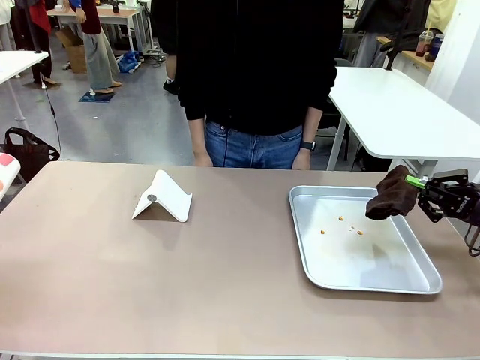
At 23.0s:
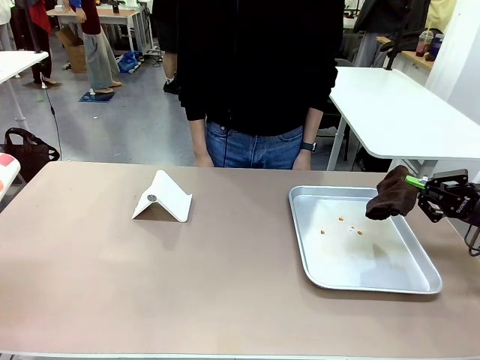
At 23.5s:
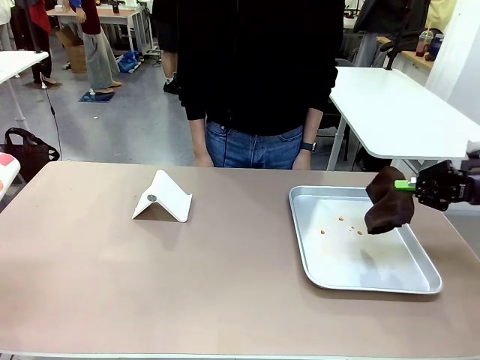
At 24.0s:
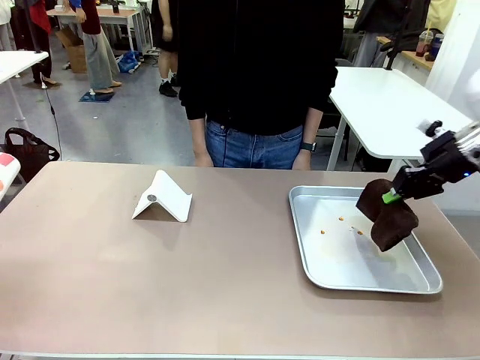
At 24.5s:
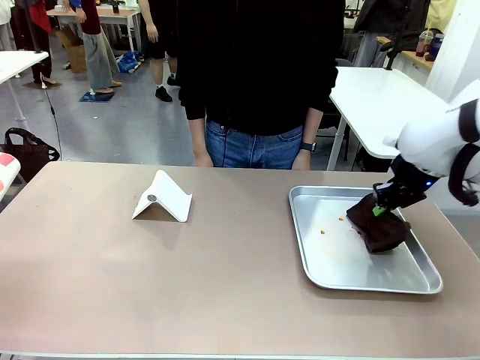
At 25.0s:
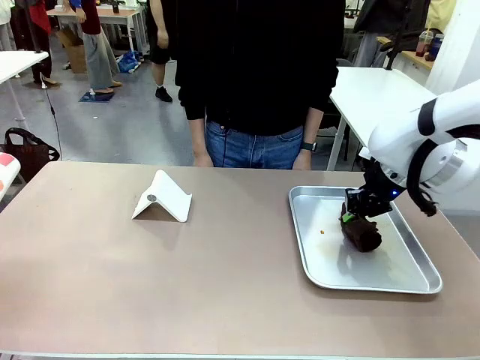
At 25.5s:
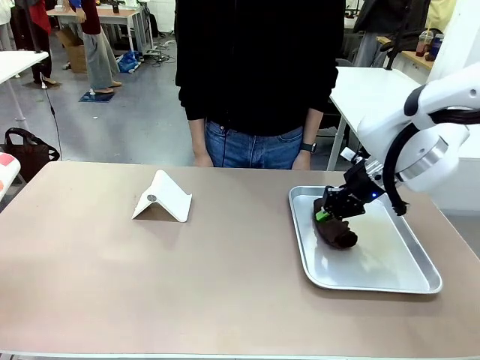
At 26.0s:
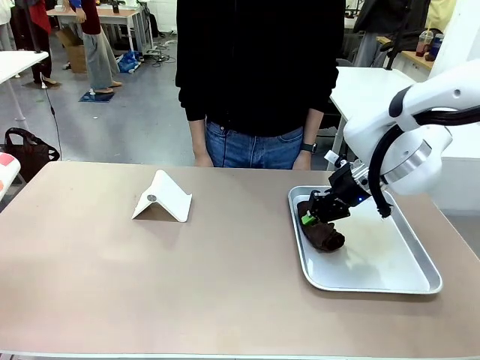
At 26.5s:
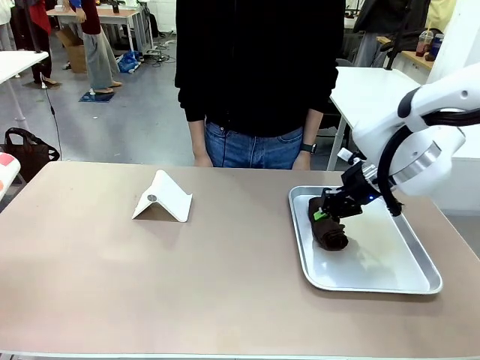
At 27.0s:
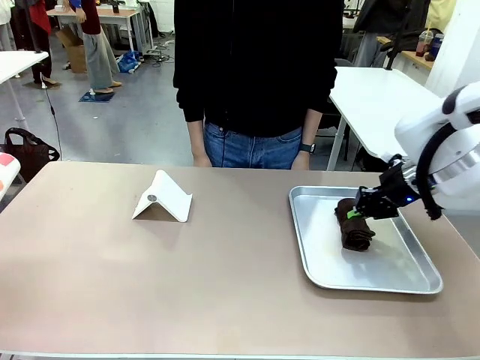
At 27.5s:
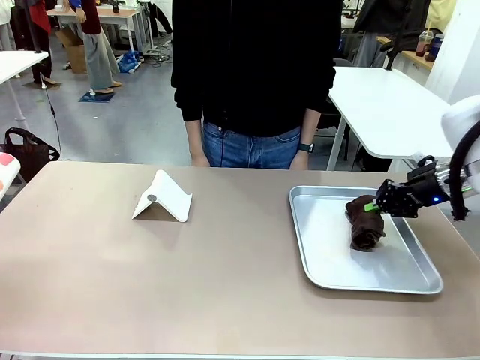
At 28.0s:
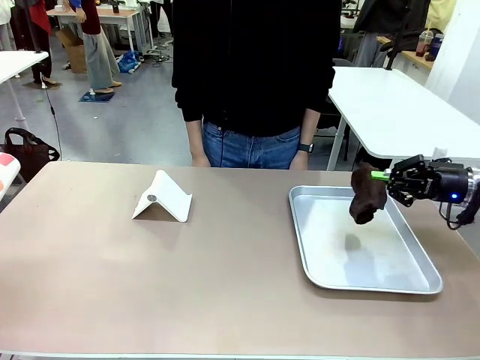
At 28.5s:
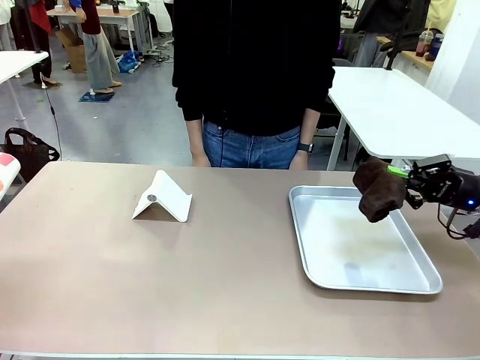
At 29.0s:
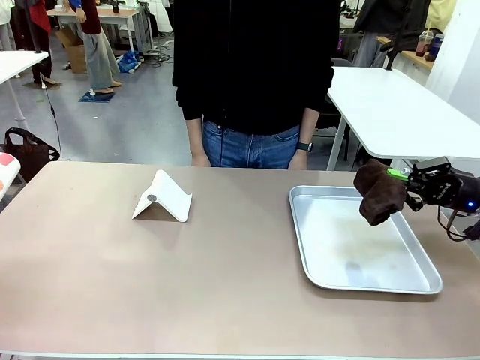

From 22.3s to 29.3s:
Task: Clean the surface of the table.
Robot: Clean the area not pointed to by the person.

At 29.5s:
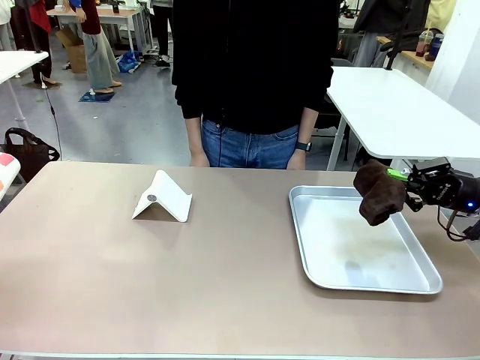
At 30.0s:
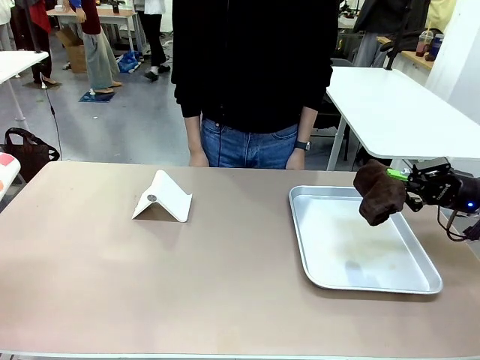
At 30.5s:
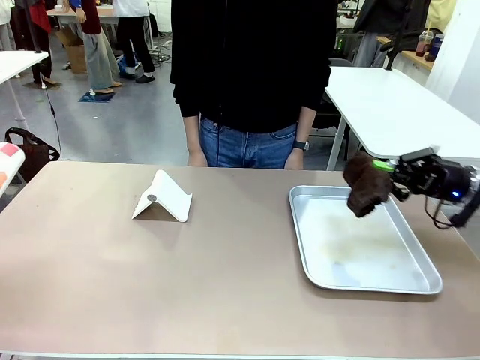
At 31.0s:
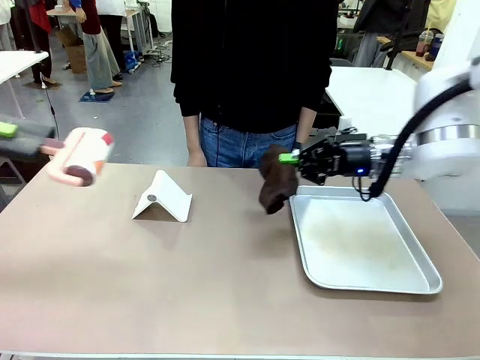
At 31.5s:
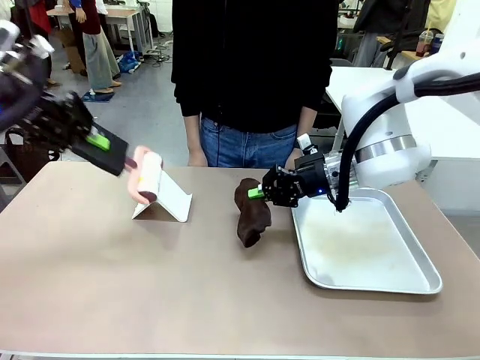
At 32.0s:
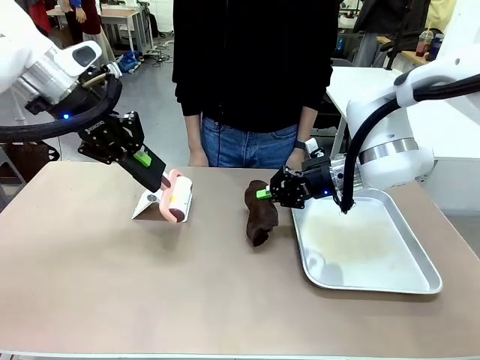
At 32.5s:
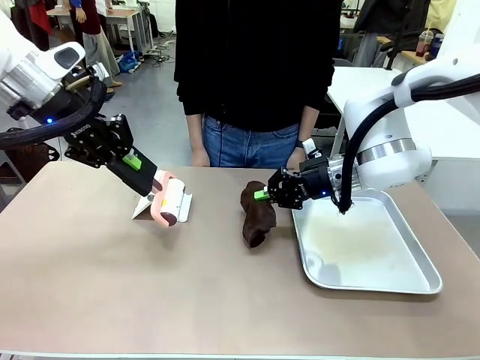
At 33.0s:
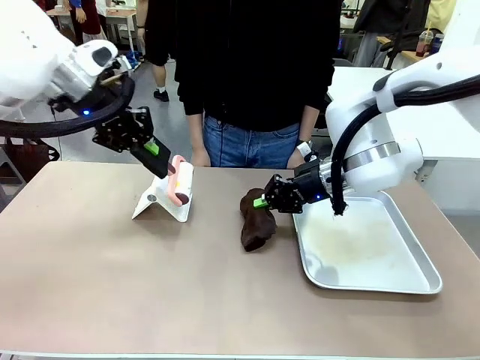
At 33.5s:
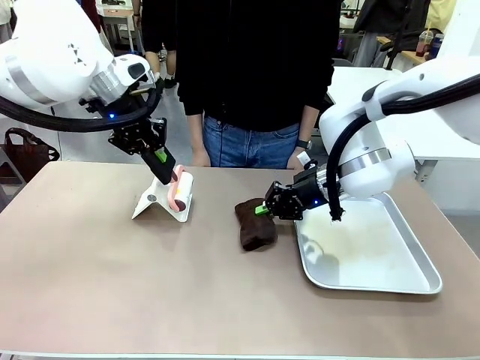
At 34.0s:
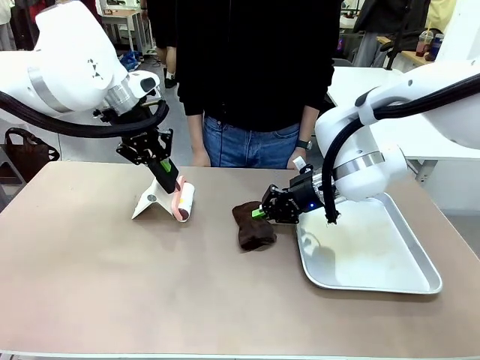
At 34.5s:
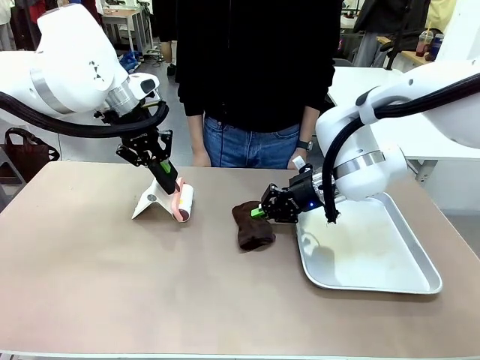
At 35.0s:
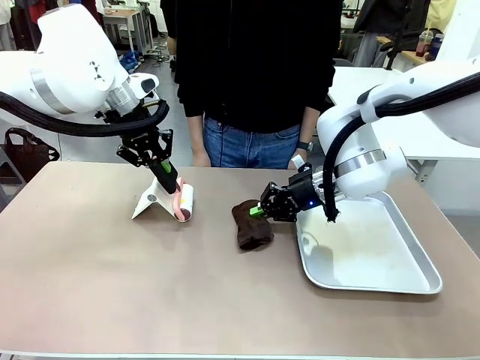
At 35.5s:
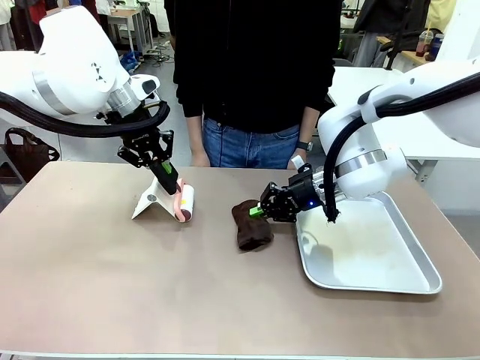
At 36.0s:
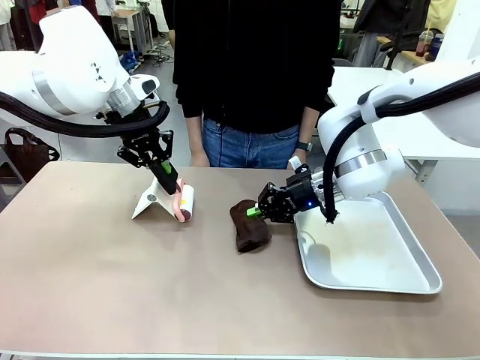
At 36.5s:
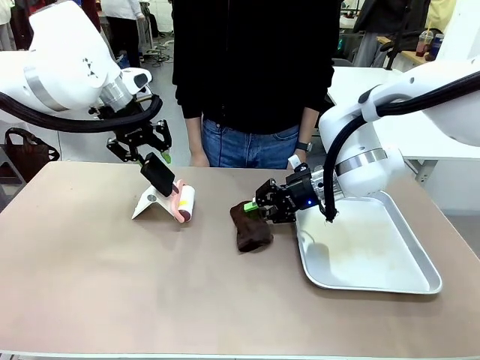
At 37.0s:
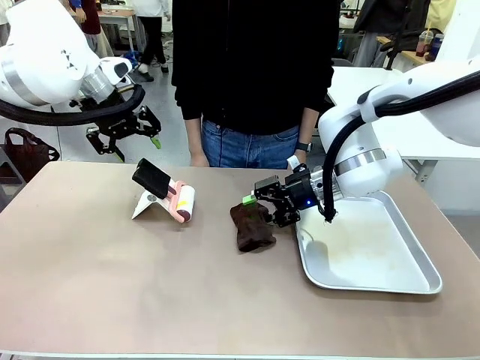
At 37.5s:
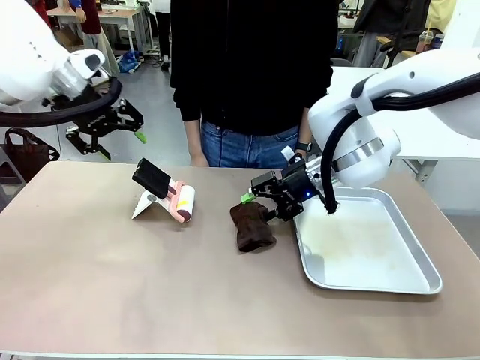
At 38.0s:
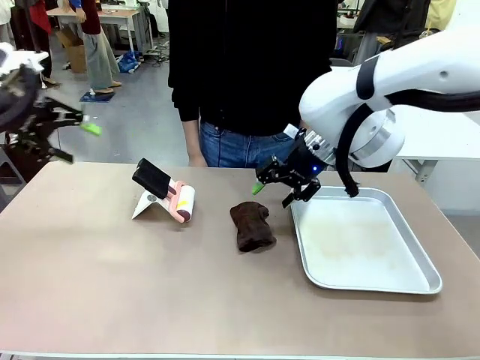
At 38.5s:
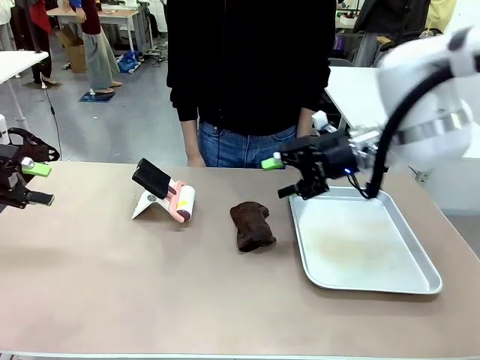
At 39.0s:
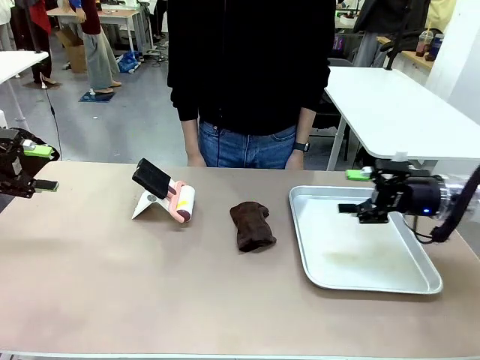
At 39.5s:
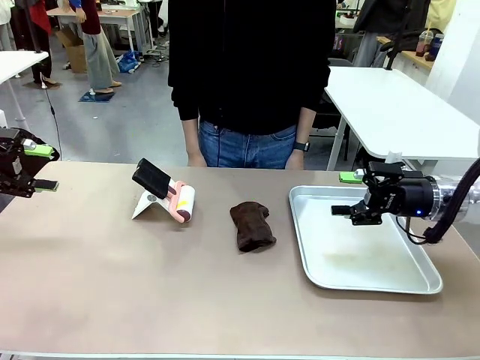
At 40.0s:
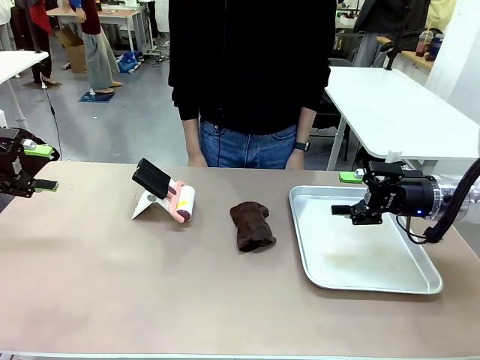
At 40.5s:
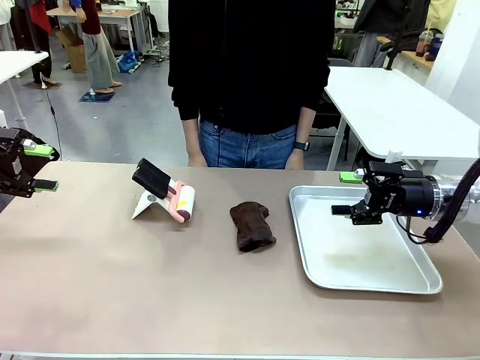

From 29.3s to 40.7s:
Robot: Return the Lint Roller and towel to their original positions.

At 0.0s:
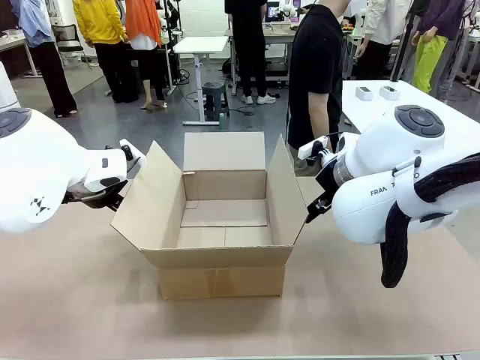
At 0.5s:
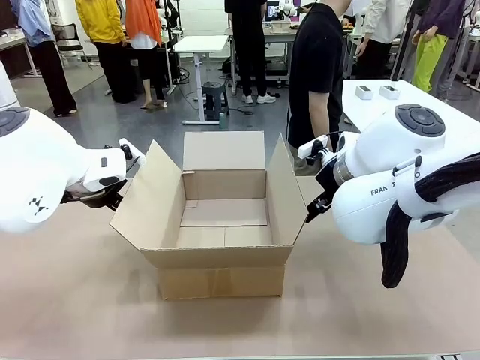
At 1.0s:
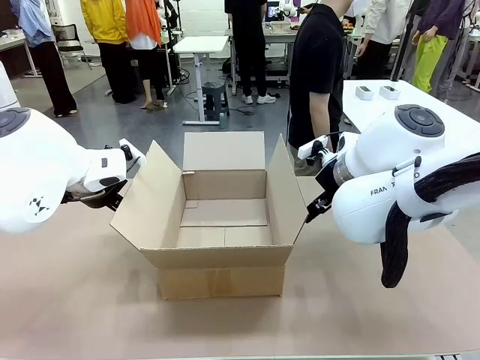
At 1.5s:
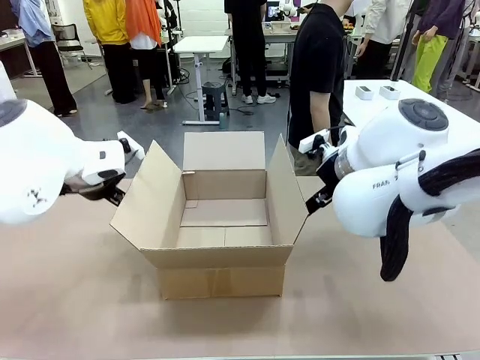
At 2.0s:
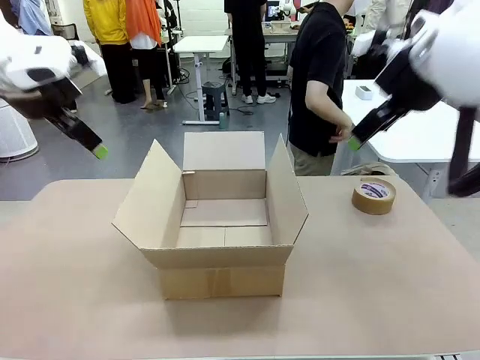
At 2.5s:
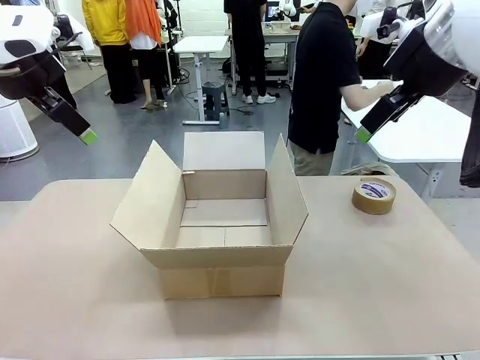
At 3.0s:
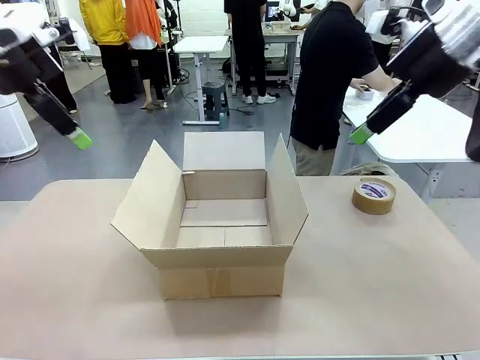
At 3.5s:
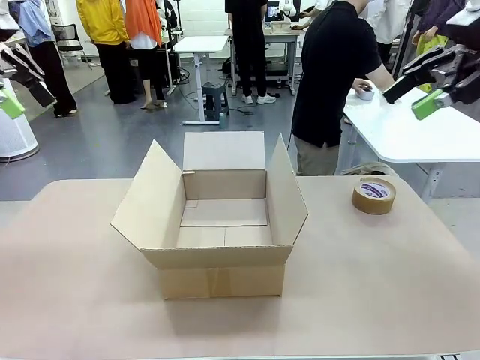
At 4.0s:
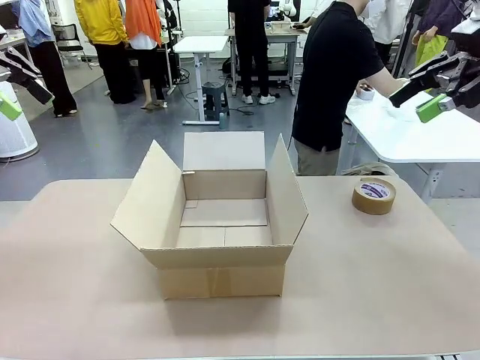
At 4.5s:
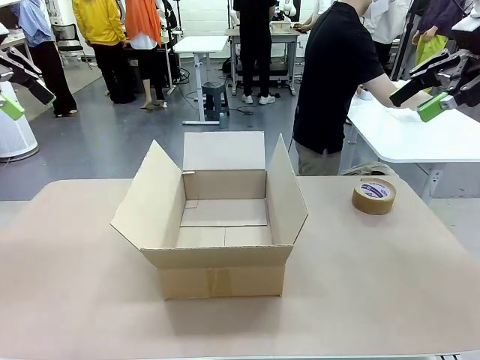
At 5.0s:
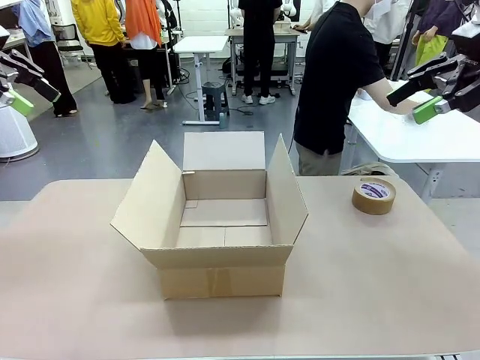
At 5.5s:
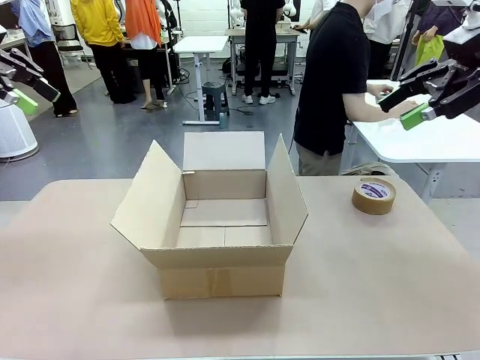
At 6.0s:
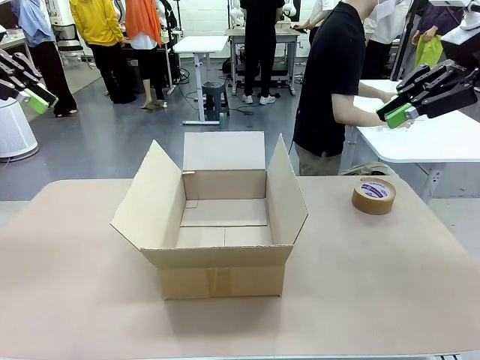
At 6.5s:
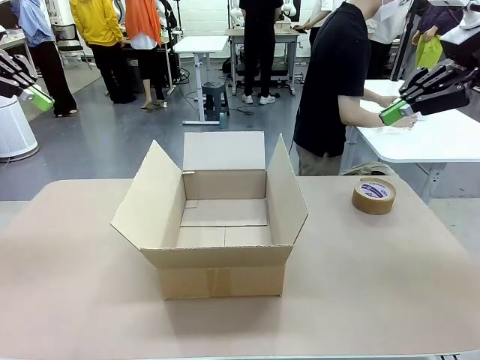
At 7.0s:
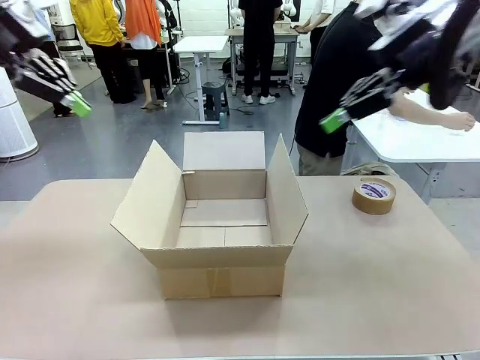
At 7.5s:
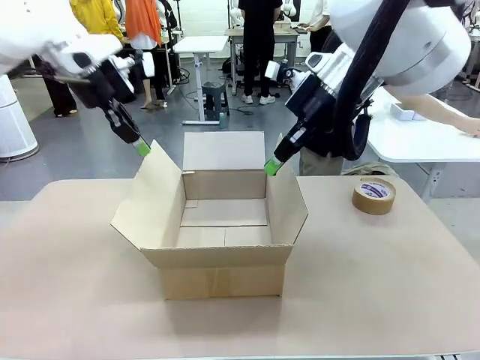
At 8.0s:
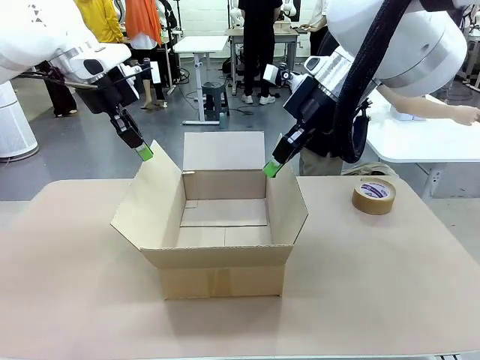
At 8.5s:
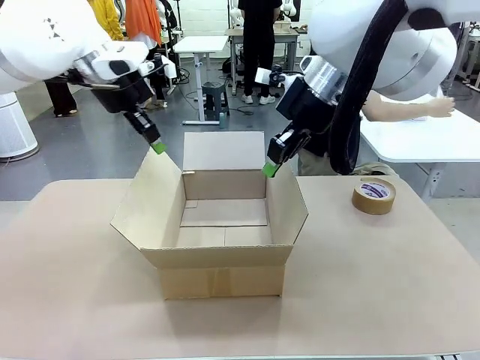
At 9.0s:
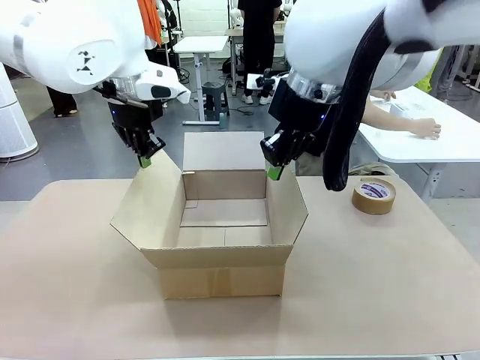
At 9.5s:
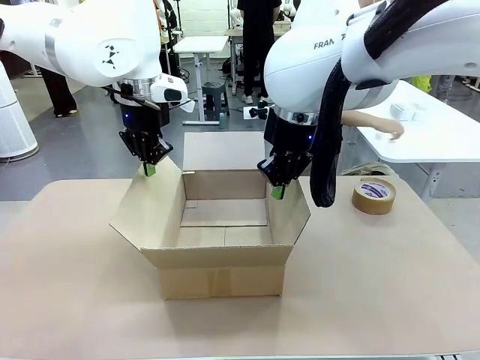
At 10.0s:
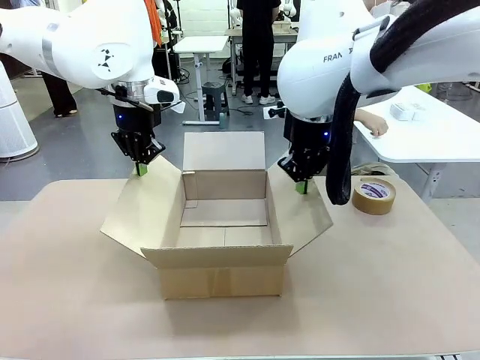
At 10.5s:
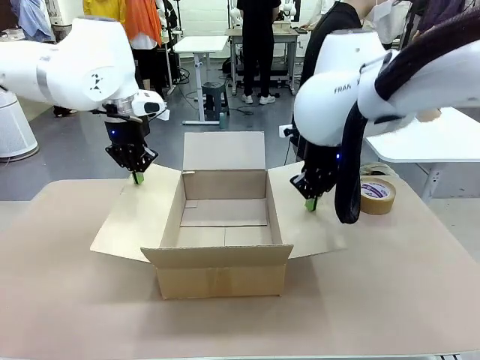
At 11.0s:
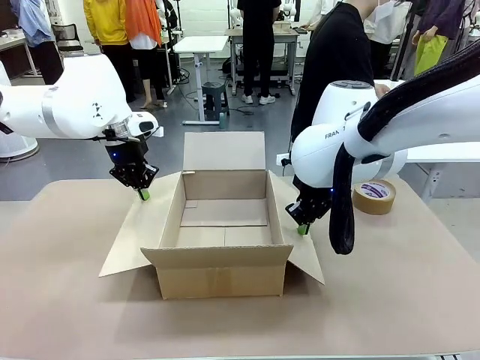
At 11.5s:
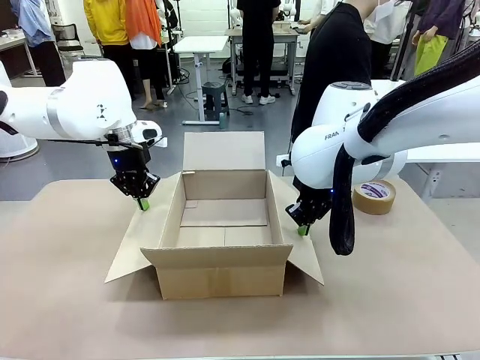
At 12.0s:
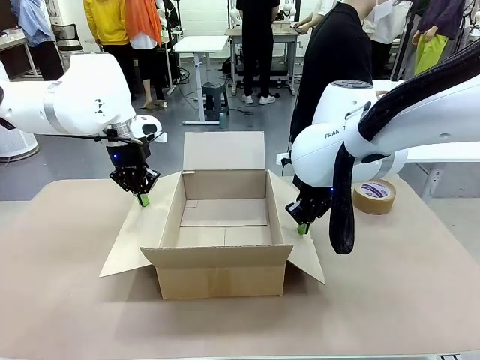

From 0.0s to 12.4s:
Task: Wrap the clocks to prevent damage.
Robot: Open the side flaps of the Package Box.
Person: Wrap the two Digital clocks with Bubble Wrap.
